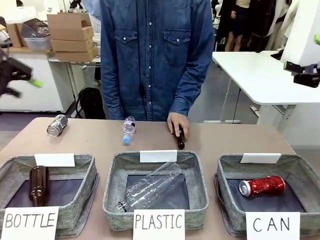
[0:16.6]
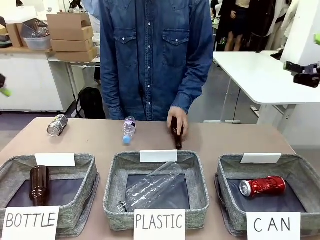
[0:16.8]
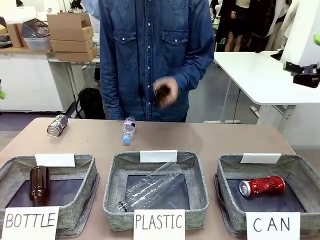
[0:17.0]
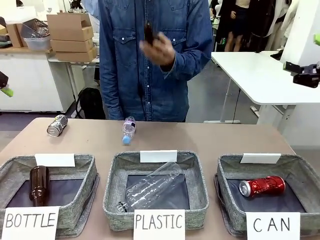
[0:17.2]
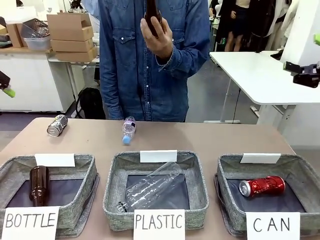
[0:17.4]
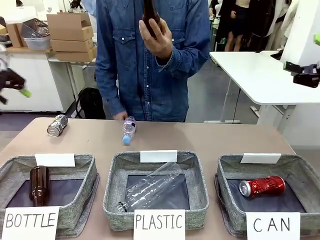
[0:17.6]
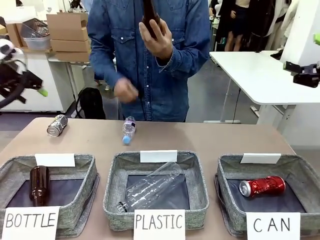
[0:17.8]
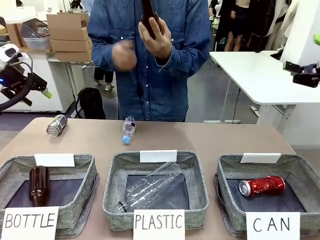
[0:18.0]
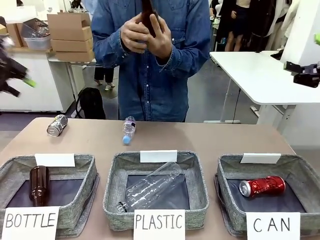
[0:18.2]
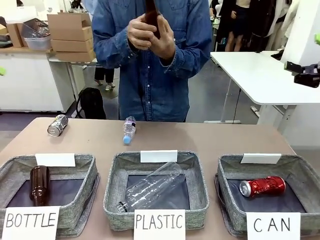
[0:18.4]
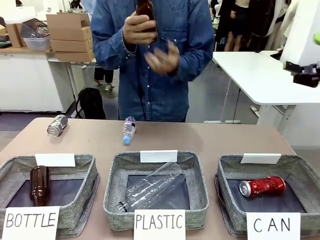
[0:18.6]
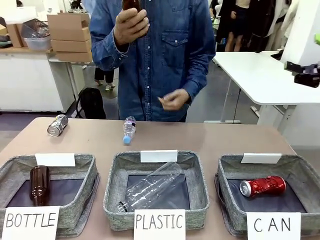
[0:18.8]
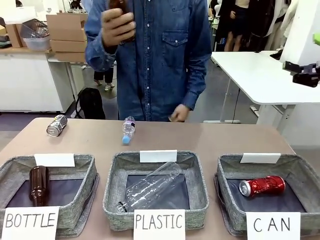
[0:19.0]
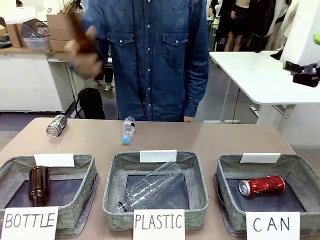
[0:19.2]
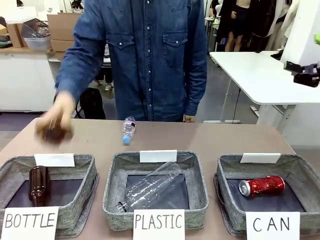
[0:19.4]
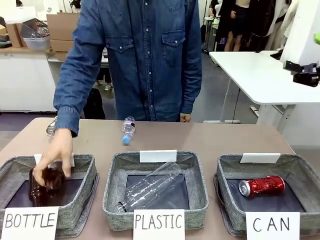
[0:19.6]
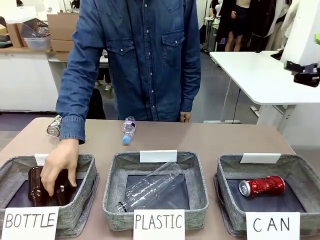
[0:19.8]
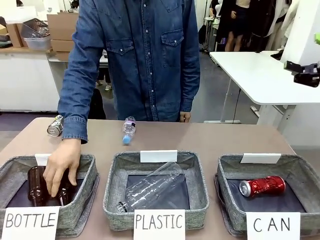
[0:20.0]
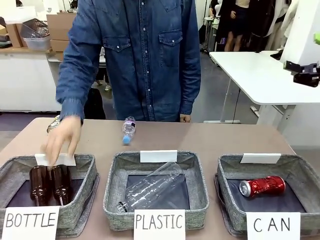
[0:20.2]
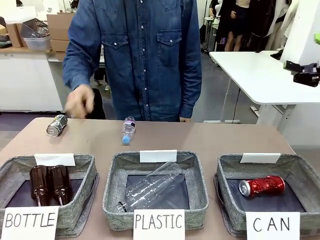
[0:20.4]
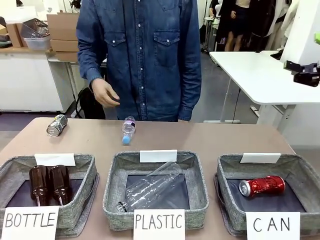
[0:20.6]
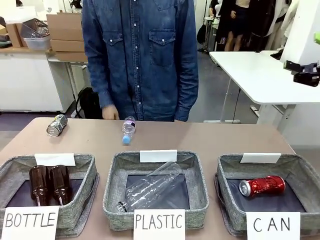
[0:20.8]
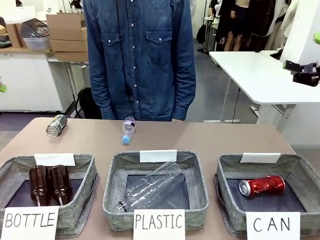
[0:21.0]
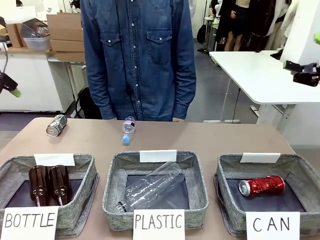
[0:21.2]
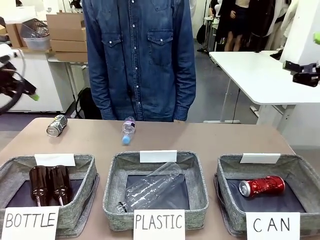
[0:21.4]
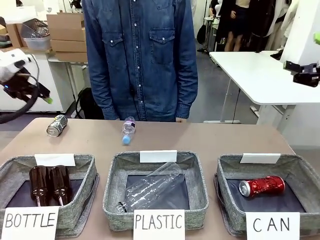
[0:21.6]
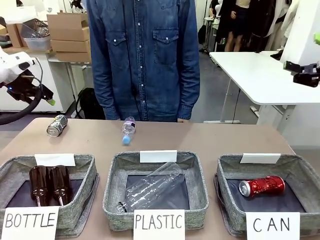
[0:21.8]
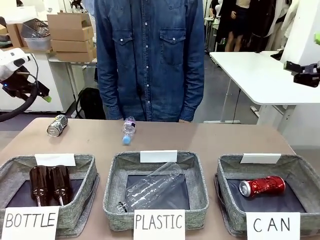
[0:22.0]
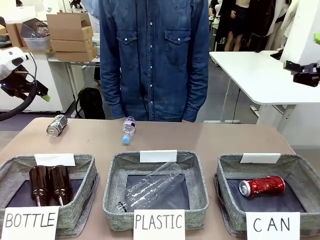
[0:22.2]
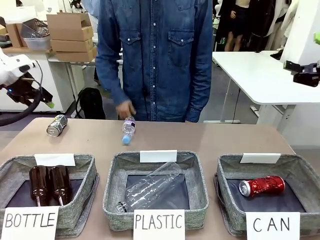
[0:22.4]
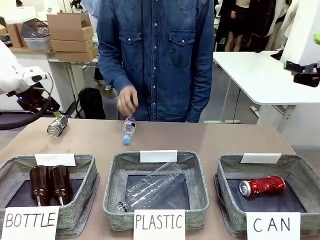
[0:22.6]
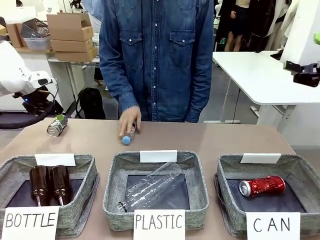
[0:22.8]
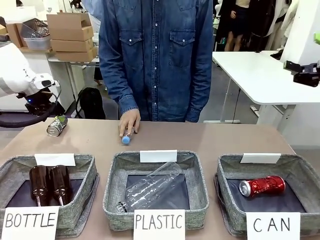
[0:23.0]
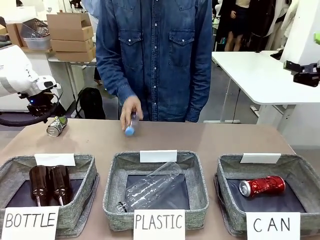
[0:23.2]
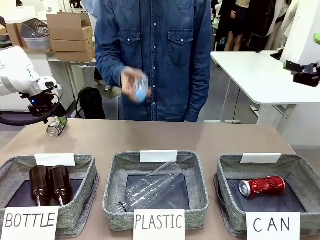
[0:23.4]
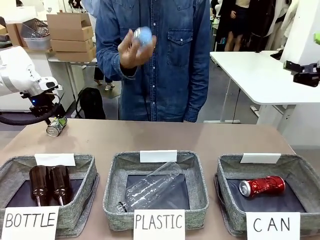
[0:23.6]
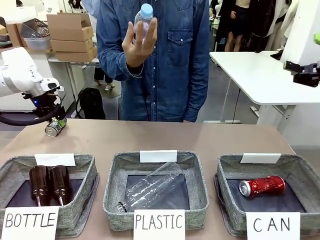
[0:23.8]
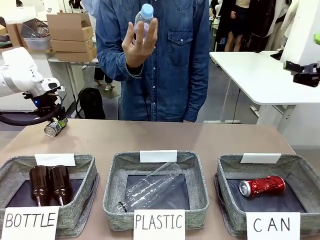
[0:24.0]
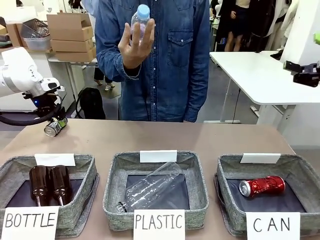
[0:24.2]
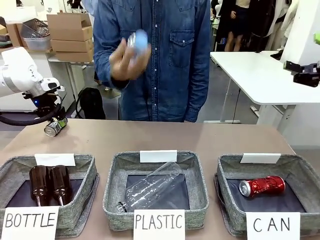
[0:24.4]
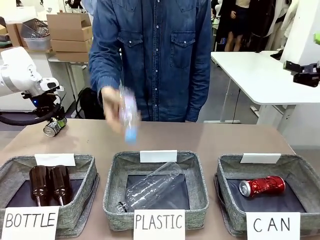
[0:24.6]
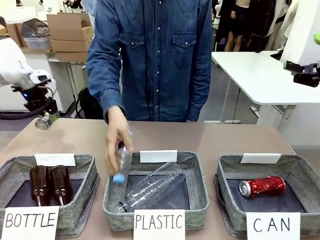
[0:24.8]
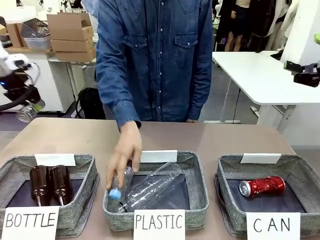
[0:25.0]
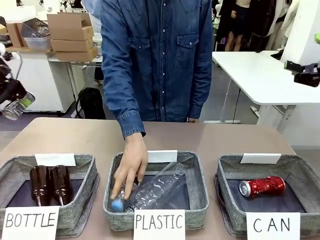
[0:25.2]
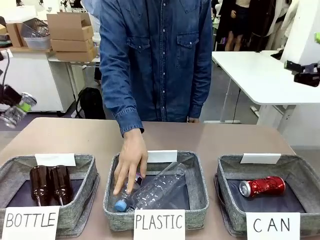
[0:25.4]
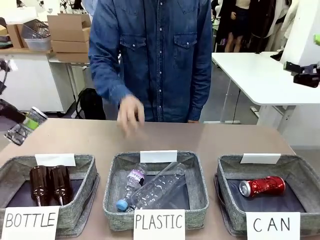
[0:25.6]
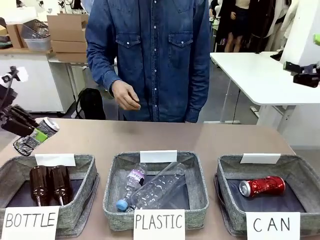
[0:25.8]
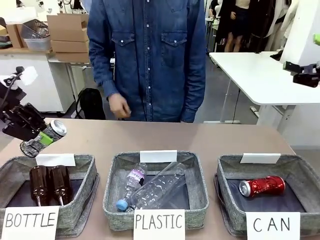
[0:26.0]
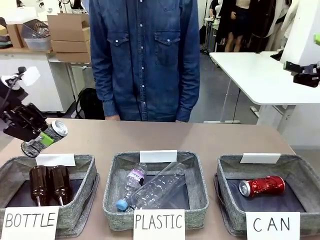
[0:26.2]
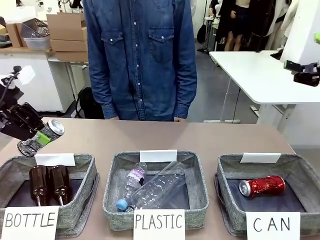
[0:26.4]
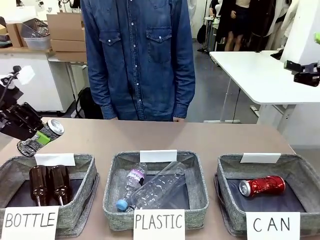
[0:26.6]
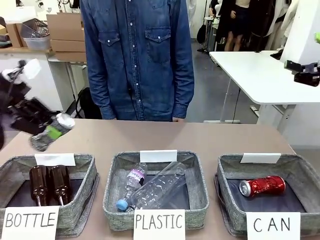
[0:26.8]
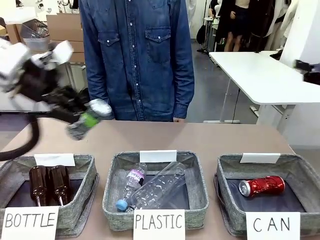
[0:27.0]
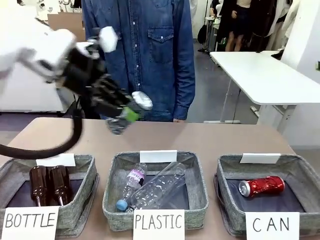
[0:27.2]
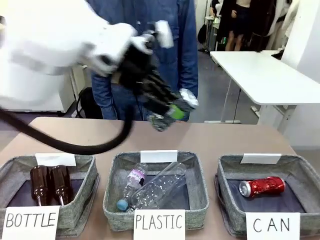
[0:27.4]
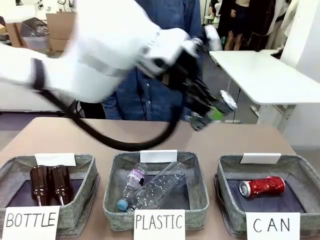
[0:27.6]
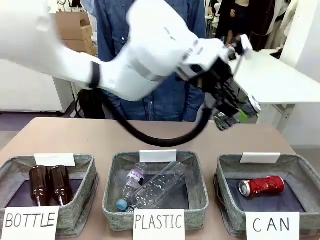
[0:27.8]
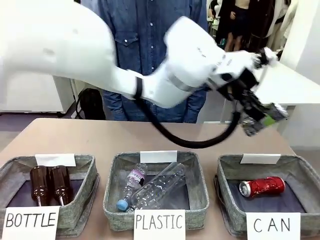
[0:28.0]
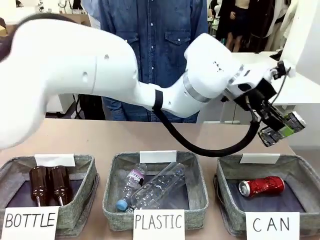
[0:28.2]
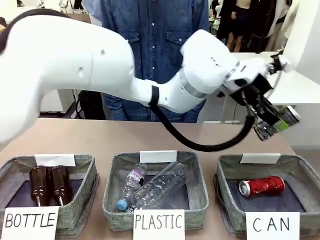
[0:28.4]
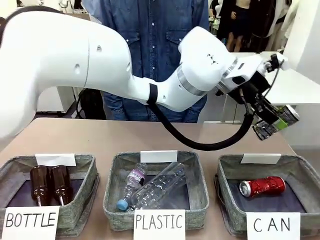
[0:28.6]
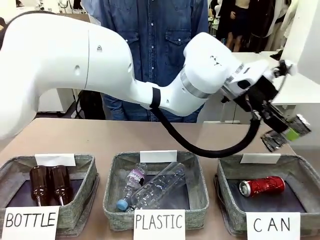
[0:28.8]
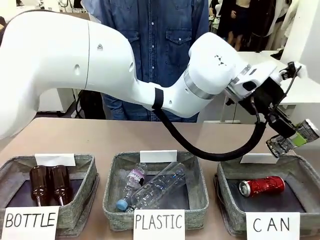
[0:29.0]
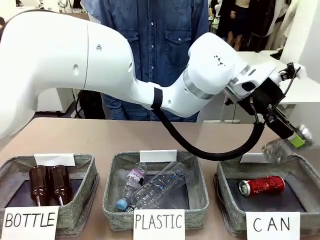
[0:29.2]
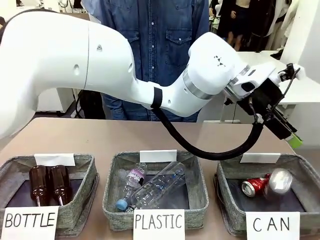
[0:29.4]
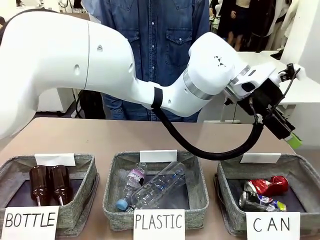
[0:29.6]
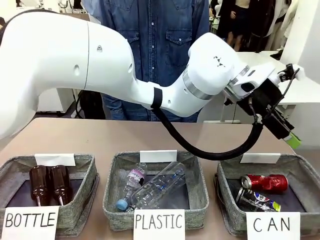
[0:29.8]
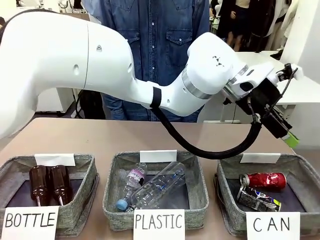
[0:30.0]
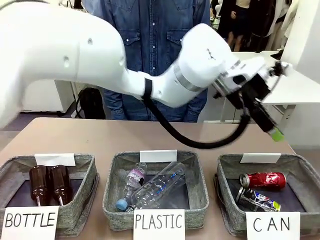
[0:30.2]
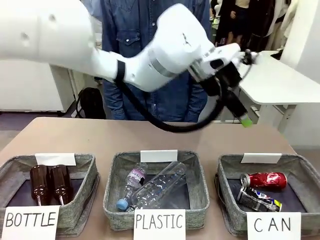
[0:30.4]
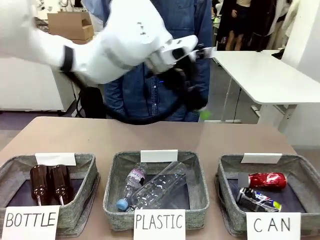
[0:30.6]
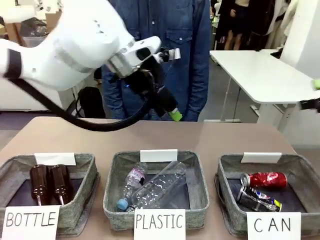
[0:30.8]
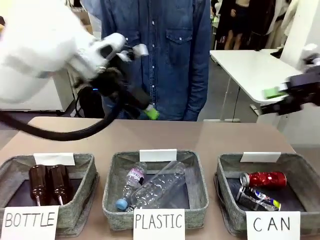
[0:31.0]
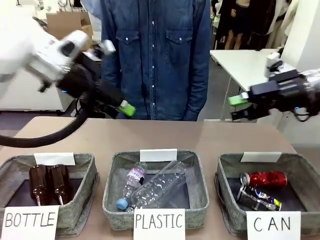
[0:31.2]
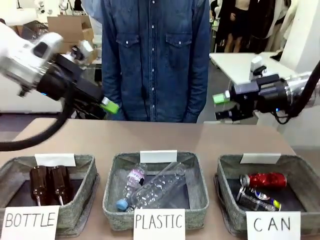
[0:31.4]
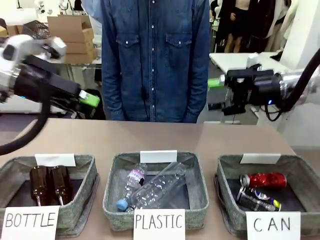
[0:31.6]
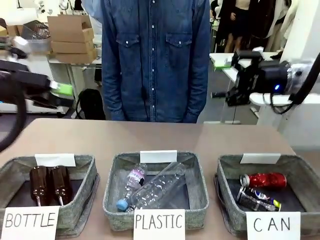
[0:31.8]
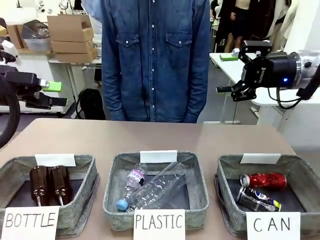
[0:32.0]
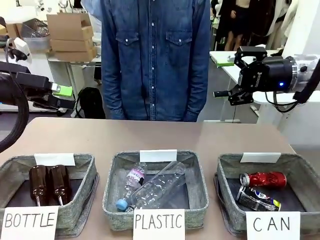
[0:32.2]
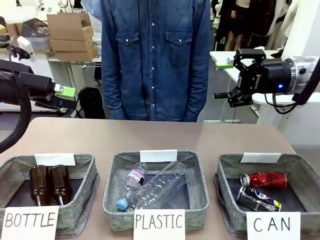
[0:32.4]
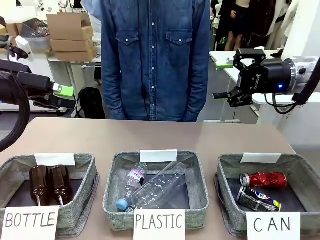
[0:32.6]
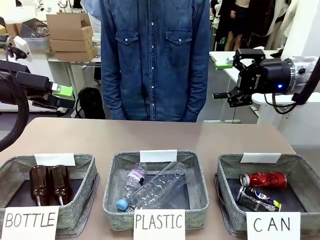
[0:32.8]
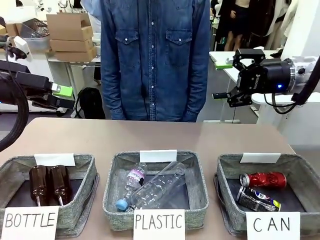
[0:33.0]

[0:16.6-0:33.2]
Task: Sort the can waste into the basket.
Robot: Pick up the can waste from the table and place it in the right Fabric basket.
